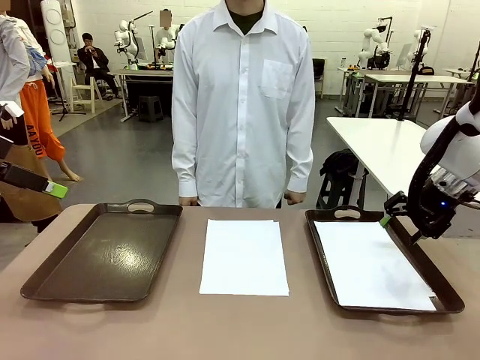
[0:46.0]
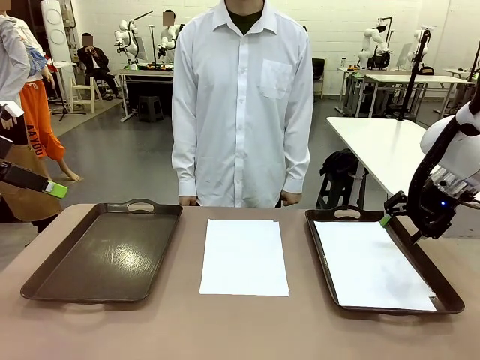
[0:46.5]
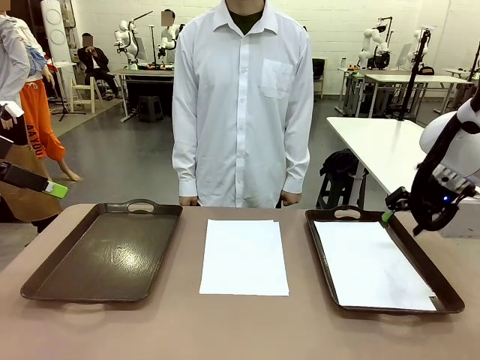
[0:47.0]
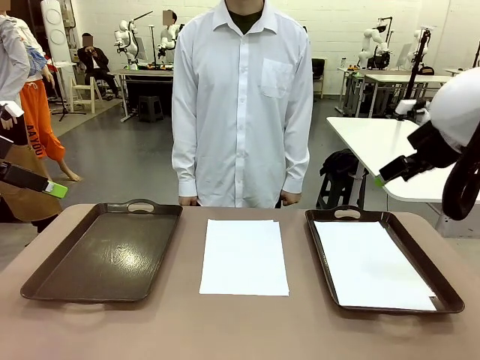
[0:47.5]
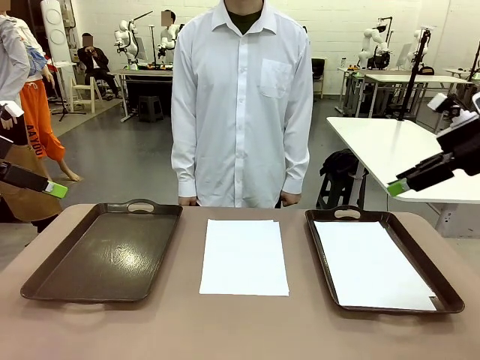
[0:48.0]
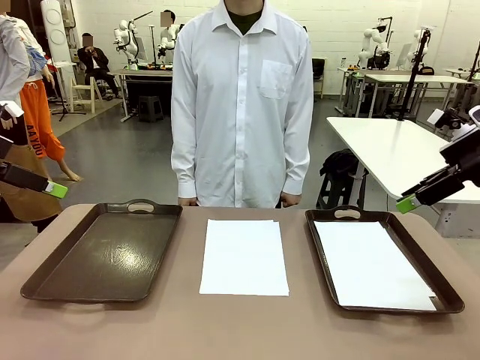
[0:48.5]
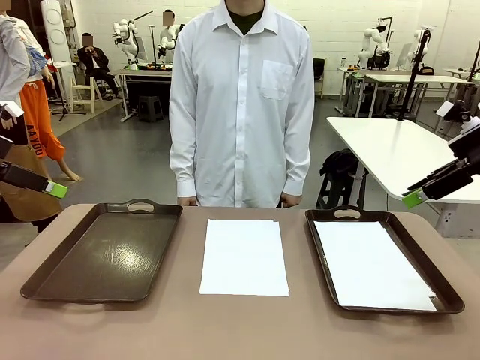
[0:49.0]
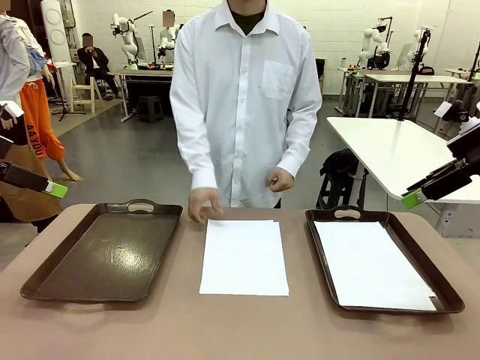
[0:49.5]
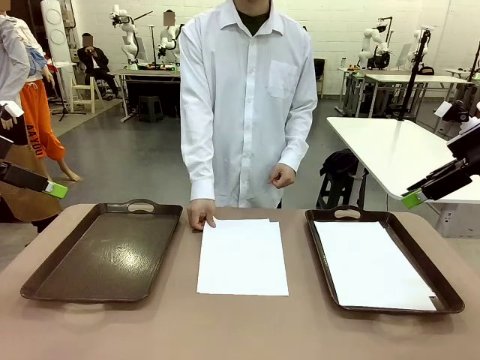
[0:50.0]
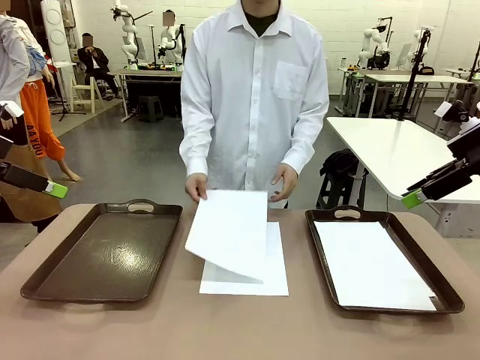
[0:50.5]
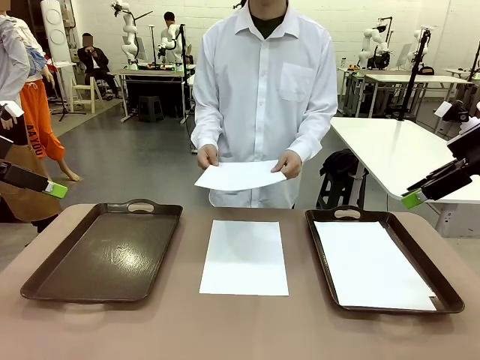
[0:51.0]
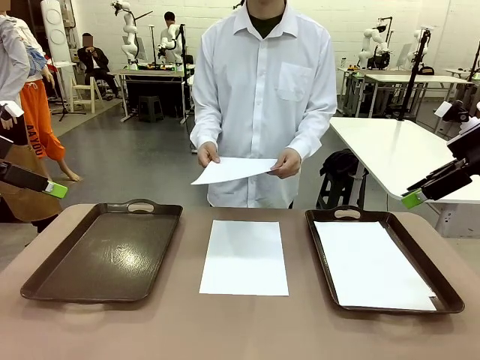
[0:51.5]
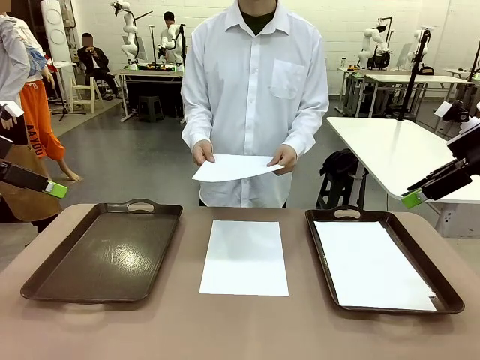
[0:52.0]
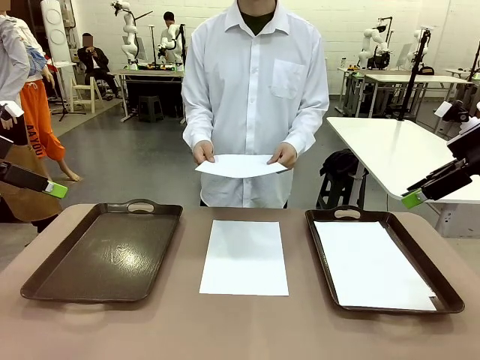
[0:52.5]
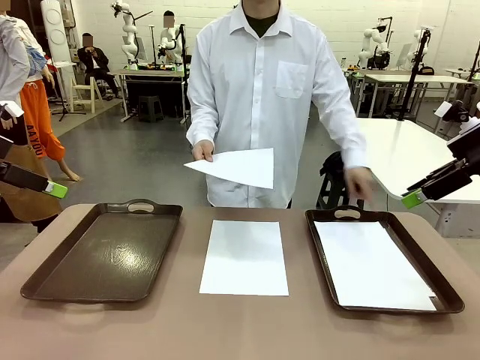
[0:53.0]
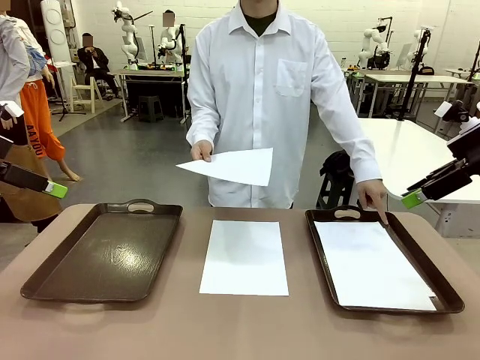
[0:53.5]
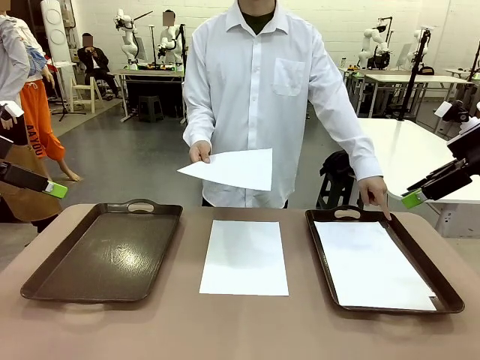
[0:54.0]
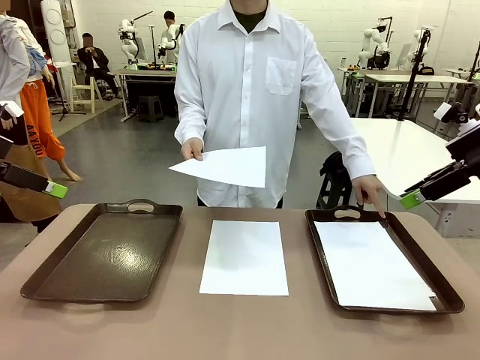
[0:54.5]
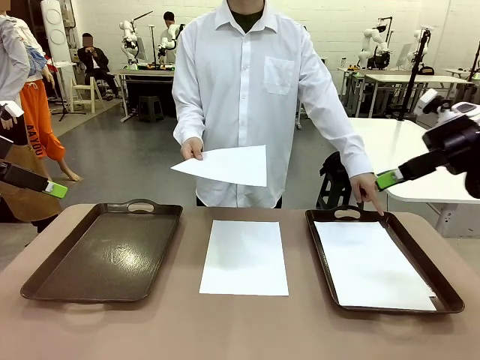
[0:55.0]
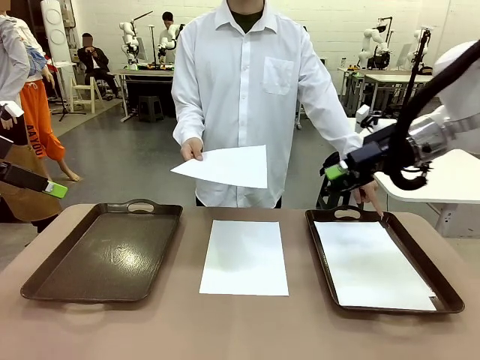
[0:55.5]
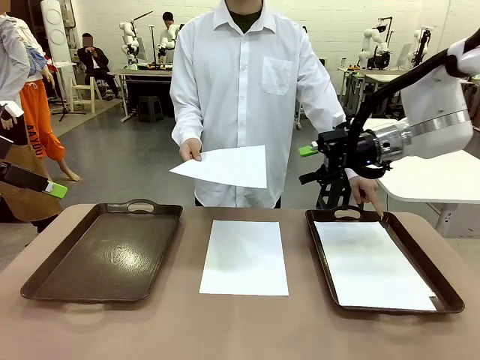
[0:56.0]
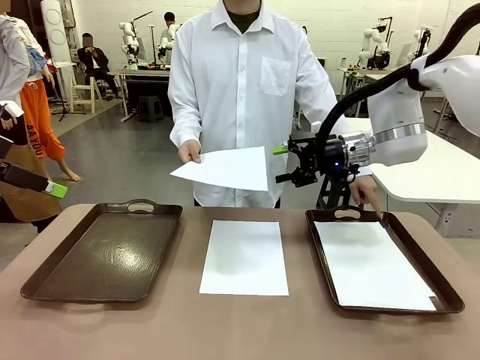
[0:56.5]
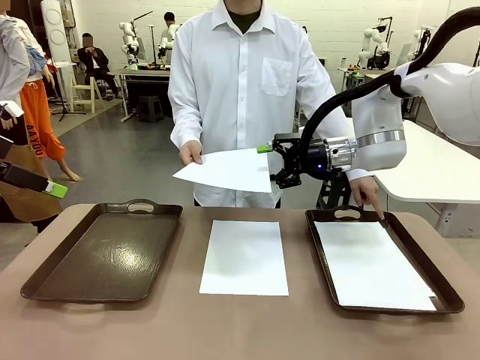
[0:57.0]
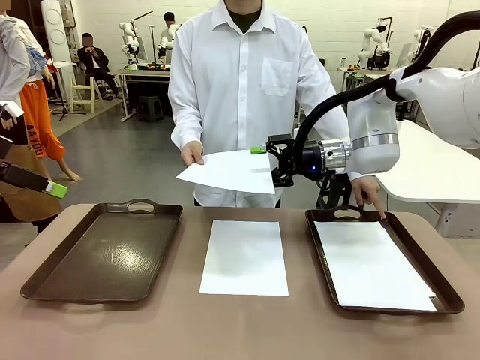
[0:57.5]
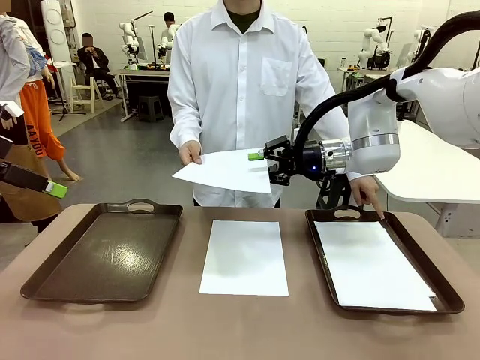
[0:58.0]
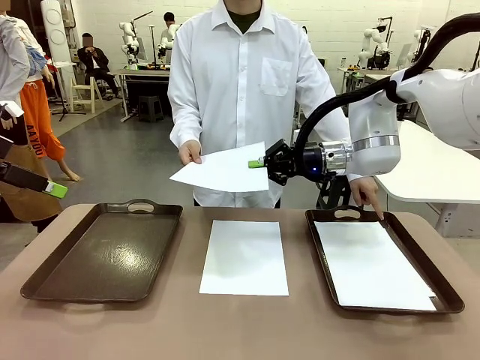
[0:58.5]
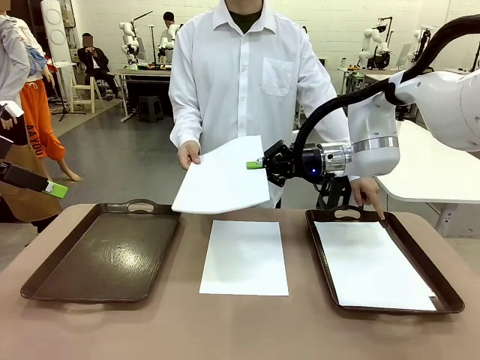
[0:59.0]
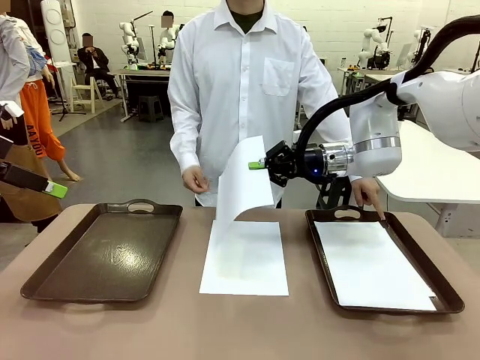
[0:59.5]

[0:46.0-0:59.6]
Task: Sort the A4 documents.
Robot: Receive the A4 Paper.
Person: Point the randomly selected tray with the other hand.

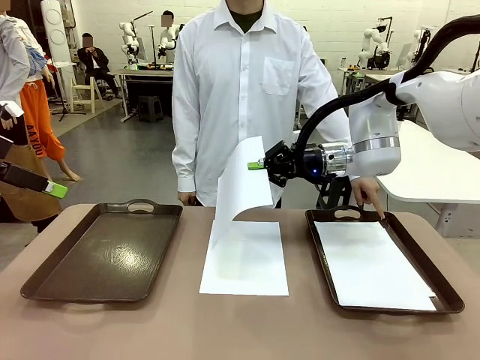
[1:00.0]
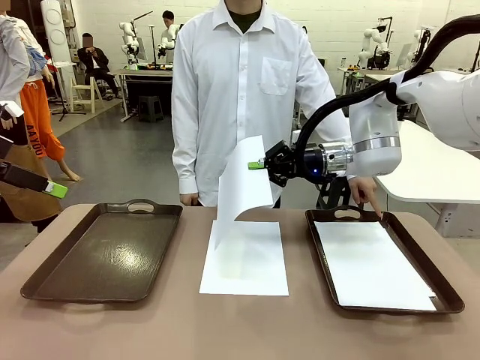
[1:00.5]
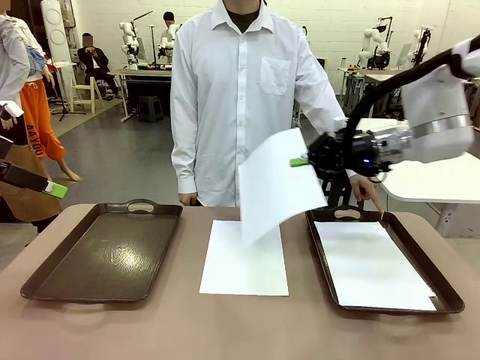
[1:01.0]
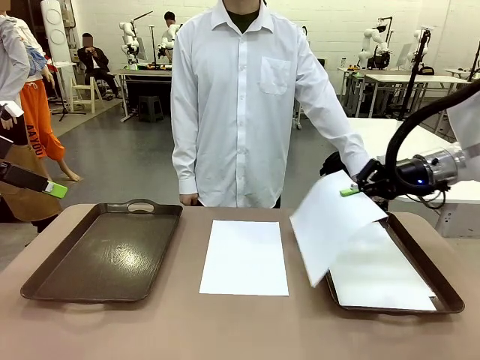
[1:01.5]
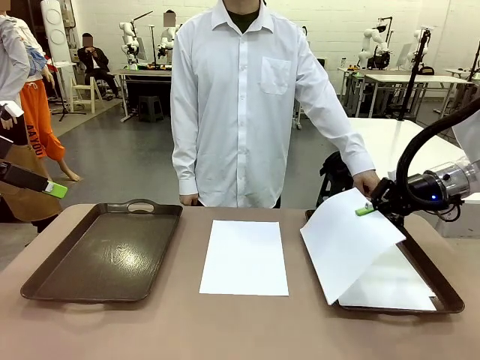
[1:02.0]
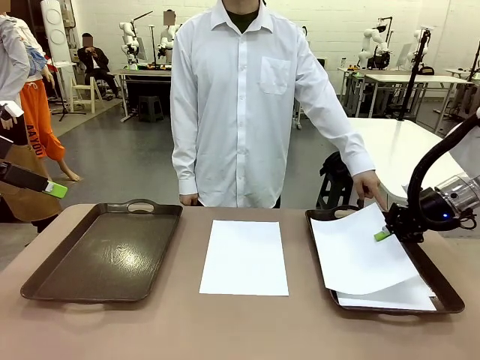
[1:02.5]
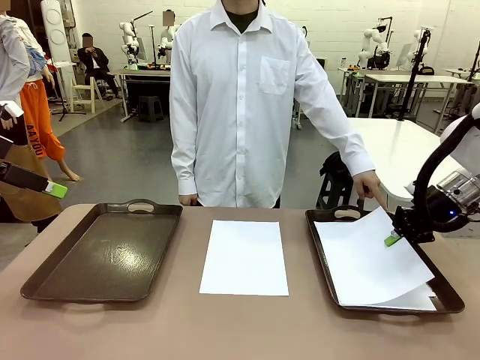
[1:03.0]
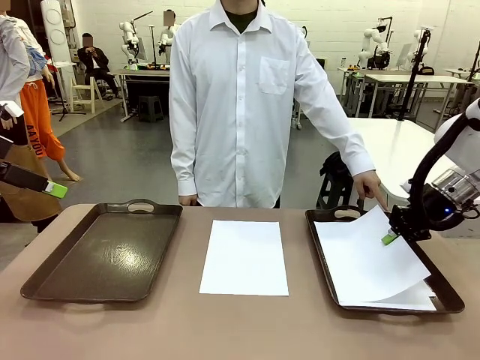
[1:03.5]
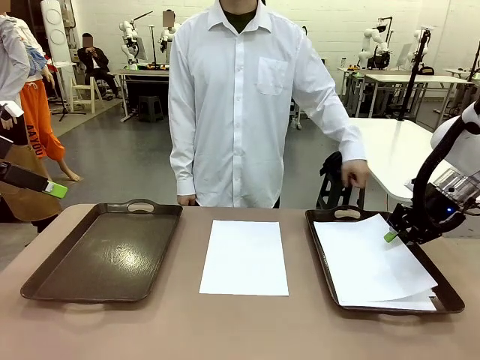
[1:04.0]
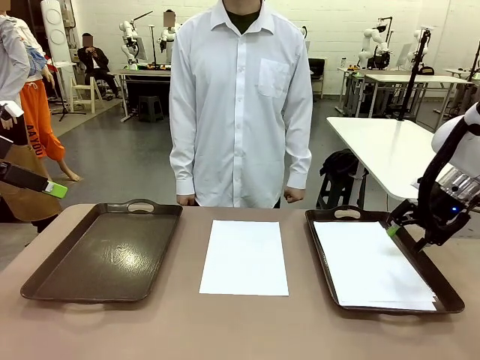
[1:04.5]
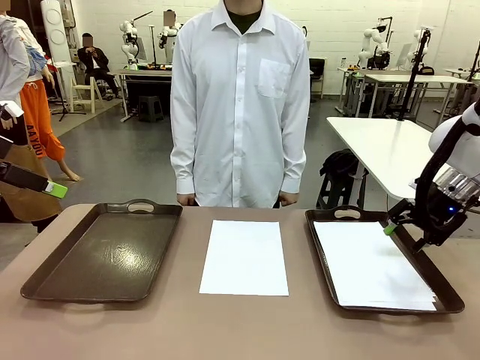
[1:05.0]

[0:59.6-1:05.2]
Robot: Place the A4 Paper in the designated Handle tray.

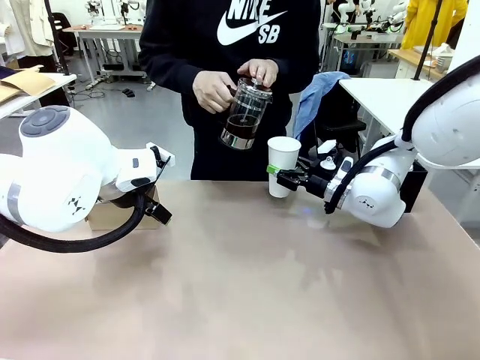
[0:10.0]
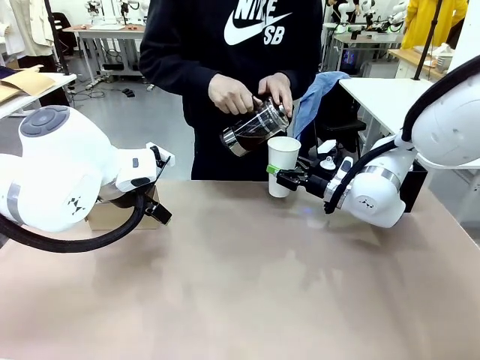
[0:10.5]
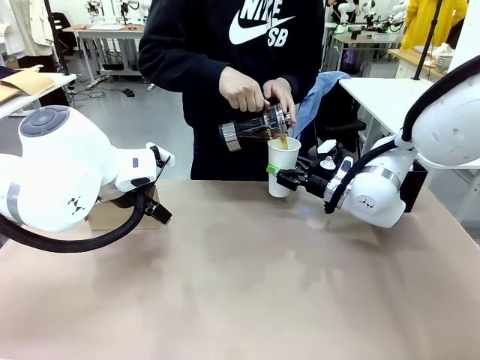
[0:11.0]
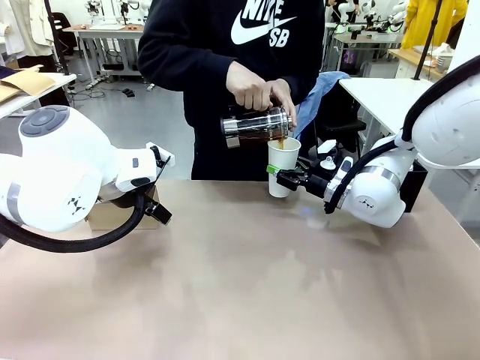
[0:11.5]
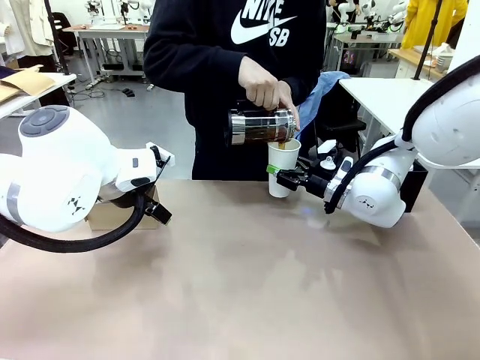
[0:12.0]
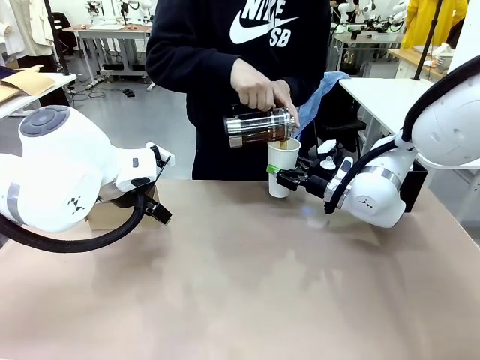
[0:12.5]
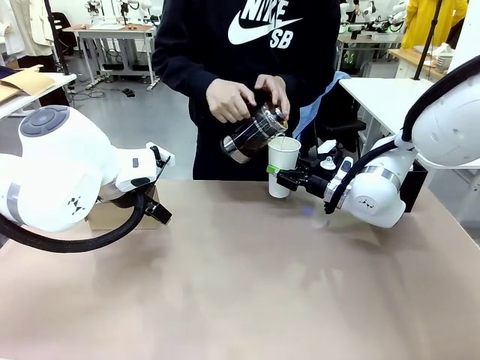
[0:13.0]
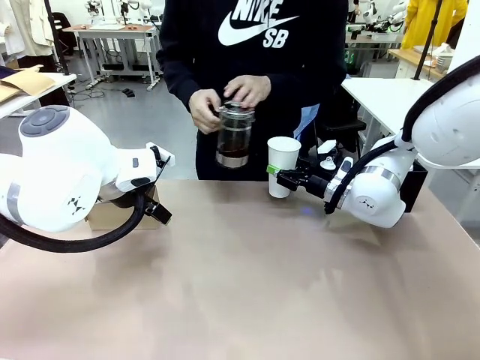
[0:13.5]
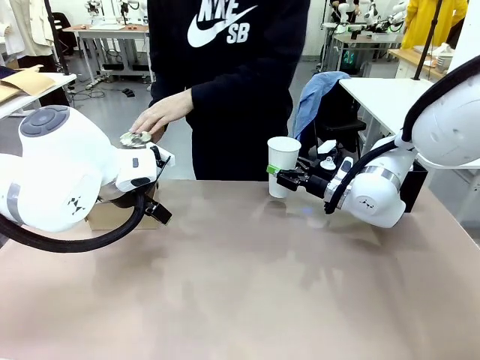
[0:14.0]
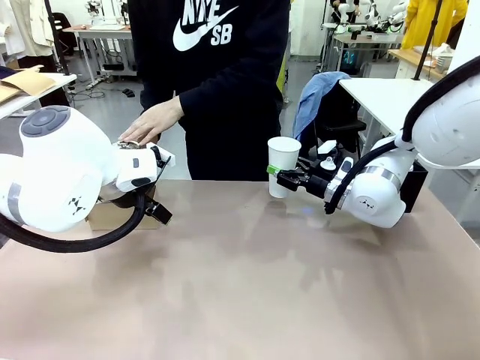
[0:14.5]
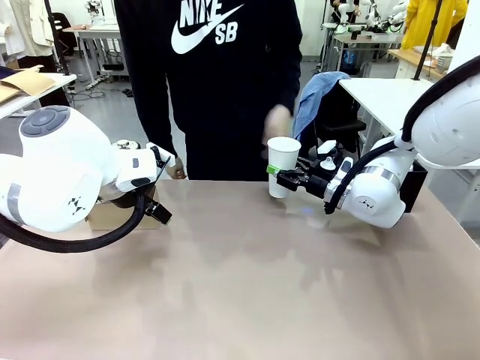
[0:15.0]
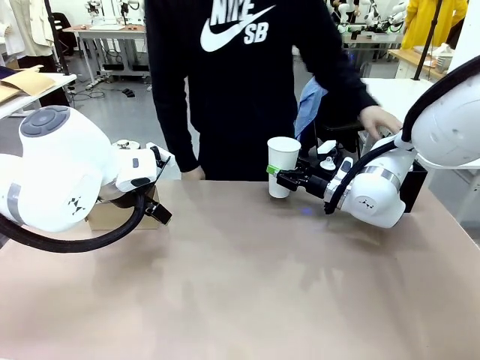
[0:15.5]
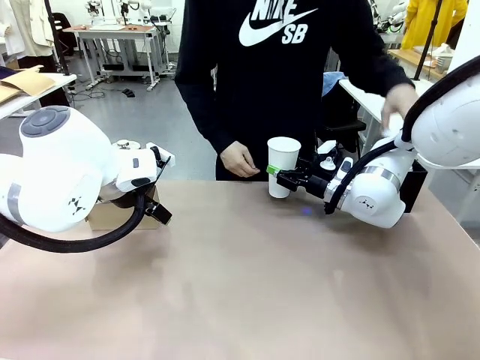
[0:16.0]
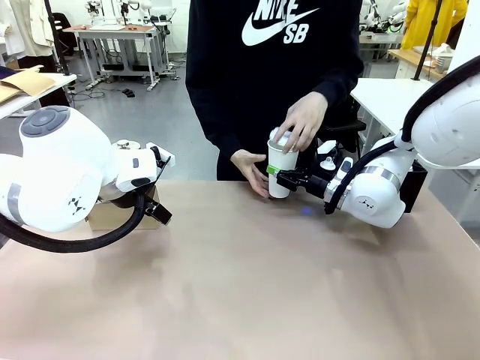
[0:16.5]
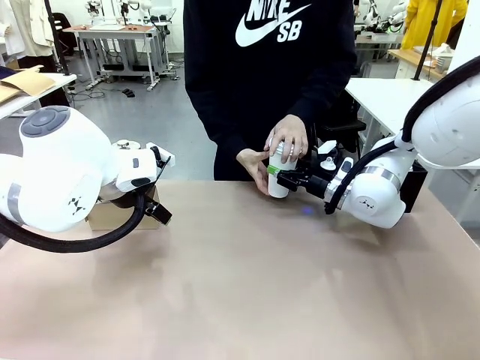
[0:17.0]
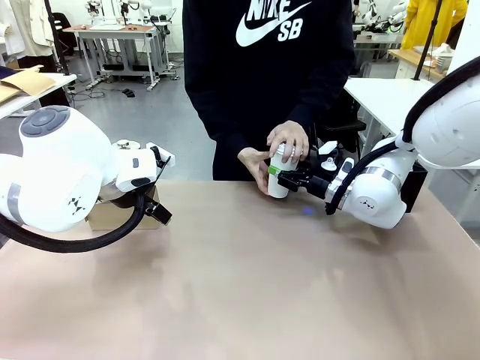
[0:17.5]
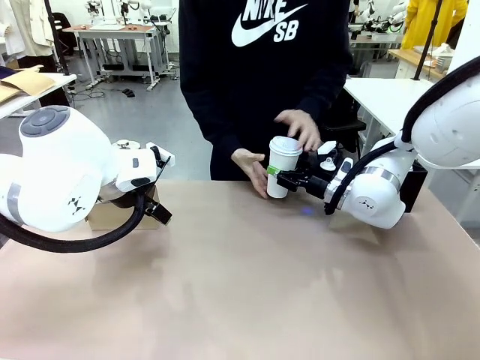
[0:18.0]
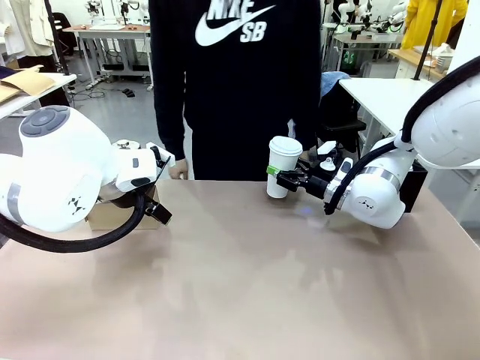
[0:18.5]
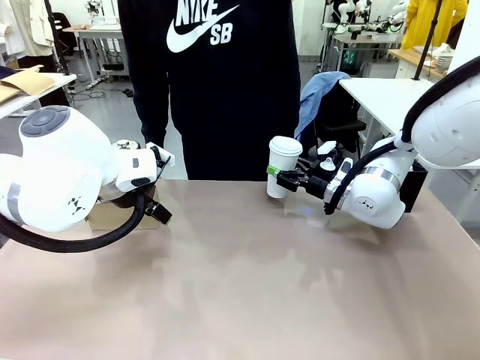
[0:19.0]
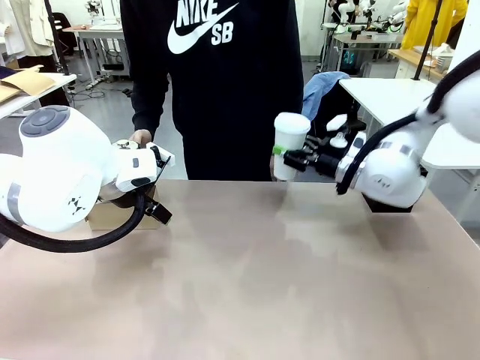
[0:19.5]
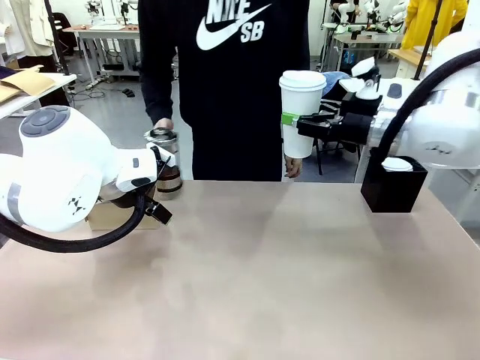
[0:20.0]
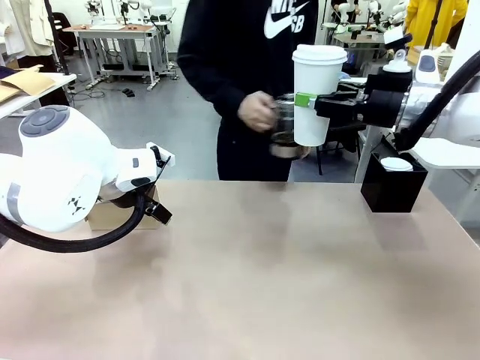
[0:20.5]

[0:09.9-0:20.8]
Task: Pour a drink into a cup and package it in a carrier.
Robot: When a person places the Paper Cup Lid on the 600 ml Paper Cup , lift the 600 ml Paper Cup.
Person: Pour the drink from the Filter Brewing into the 600 ml Paper Cup. Place a Paper Cup Lid on the 600 ml Paper Cup.
